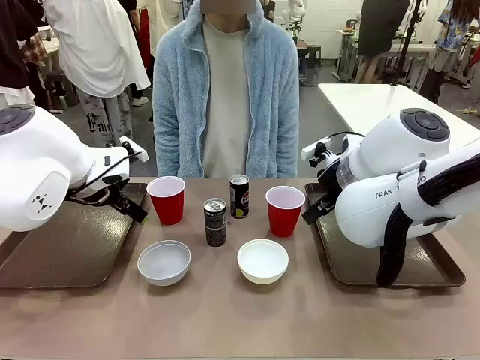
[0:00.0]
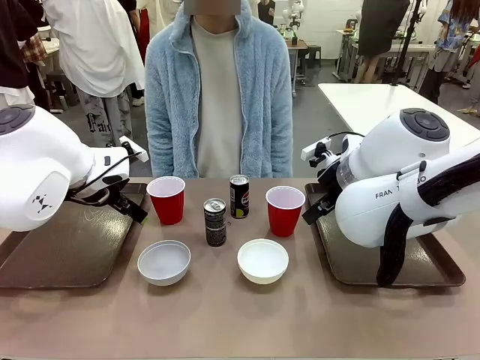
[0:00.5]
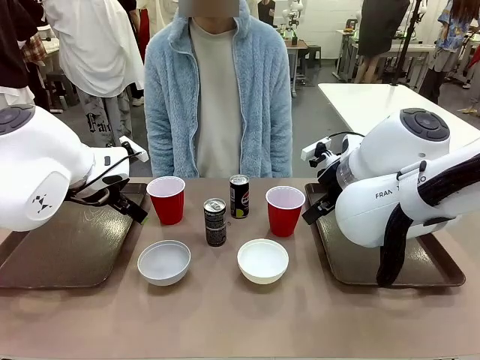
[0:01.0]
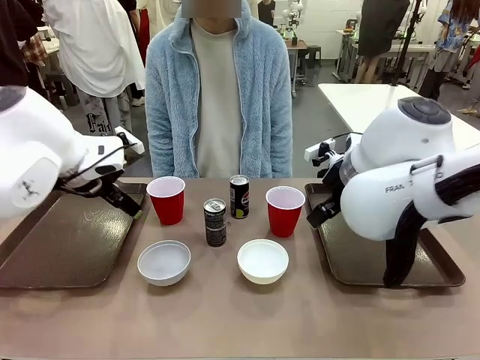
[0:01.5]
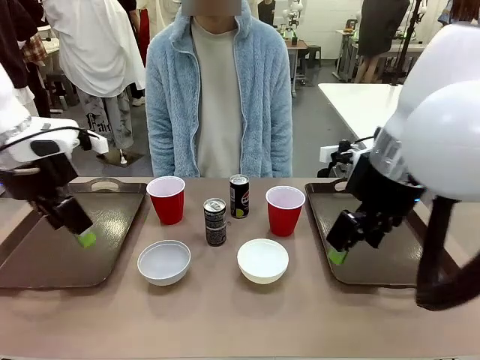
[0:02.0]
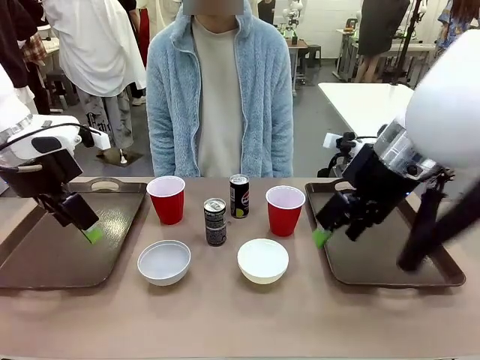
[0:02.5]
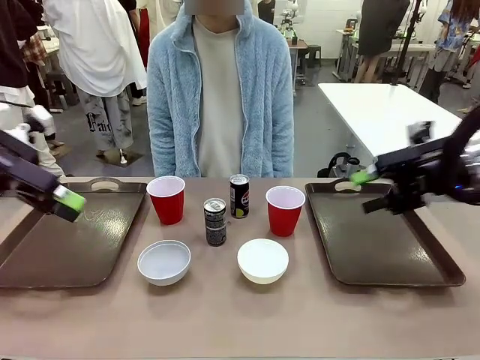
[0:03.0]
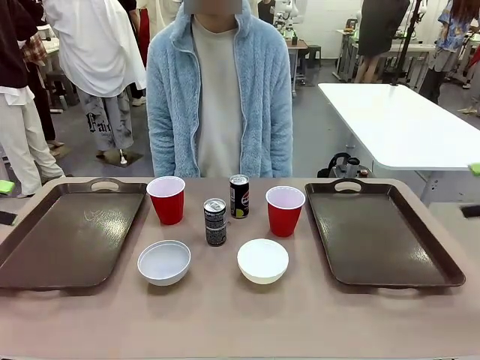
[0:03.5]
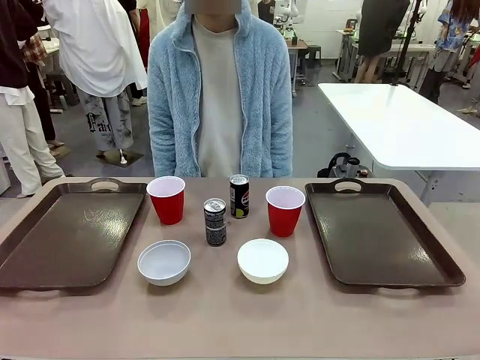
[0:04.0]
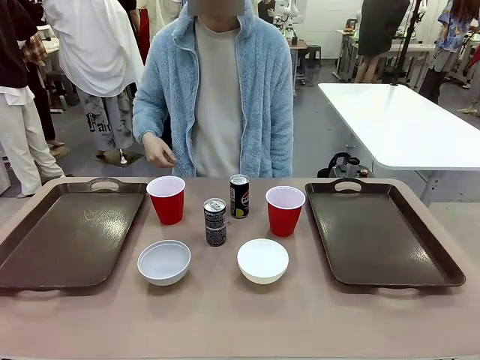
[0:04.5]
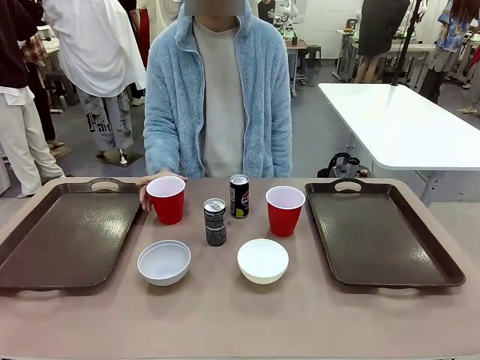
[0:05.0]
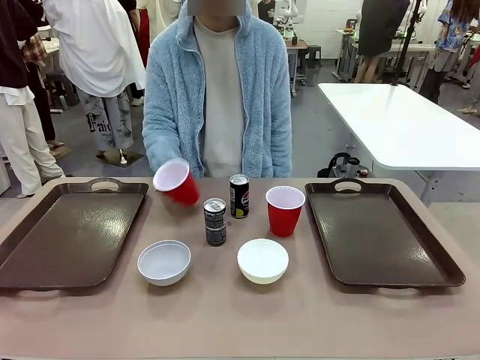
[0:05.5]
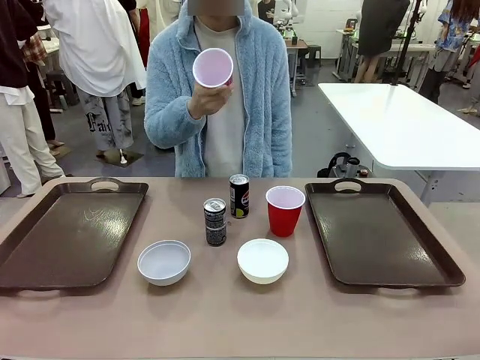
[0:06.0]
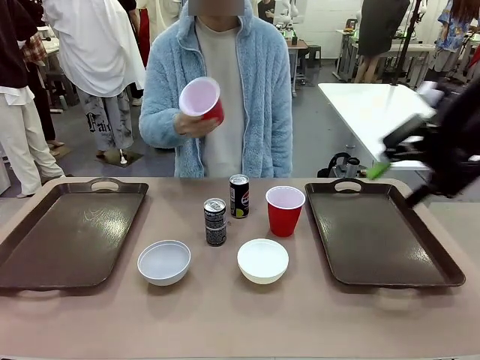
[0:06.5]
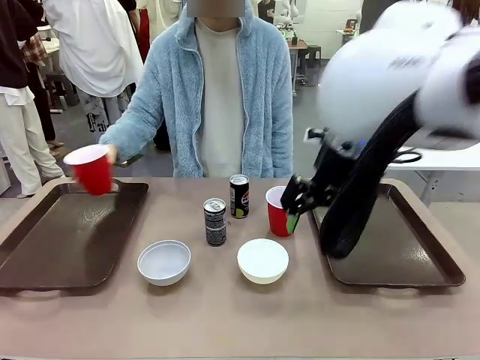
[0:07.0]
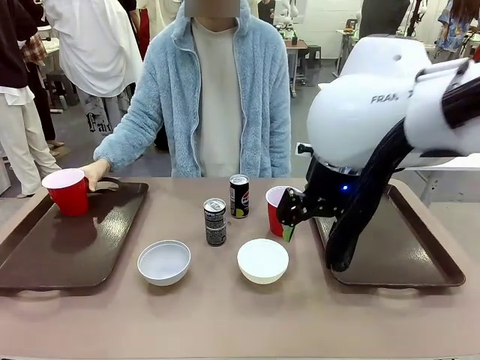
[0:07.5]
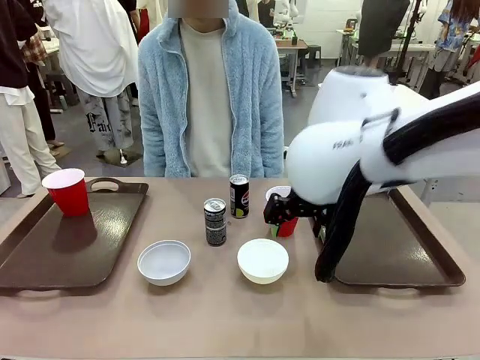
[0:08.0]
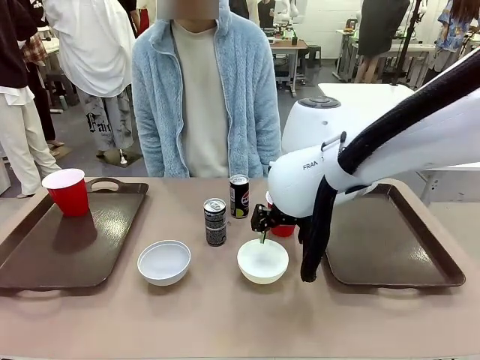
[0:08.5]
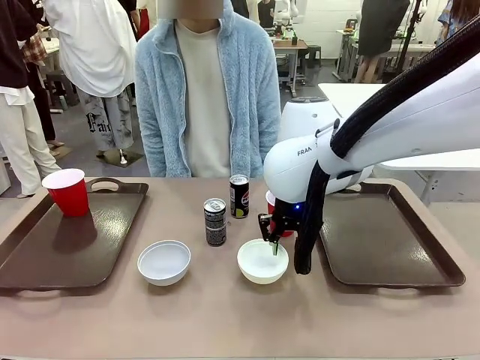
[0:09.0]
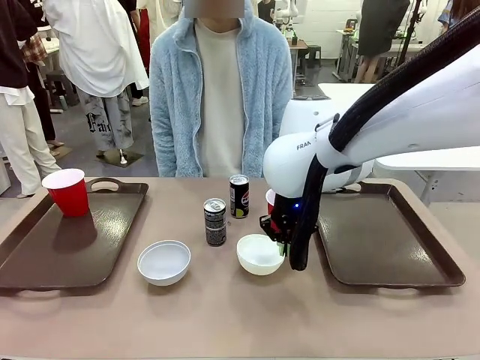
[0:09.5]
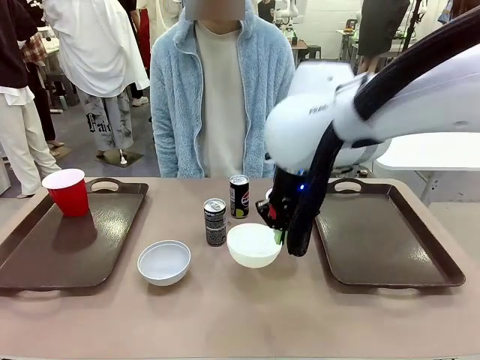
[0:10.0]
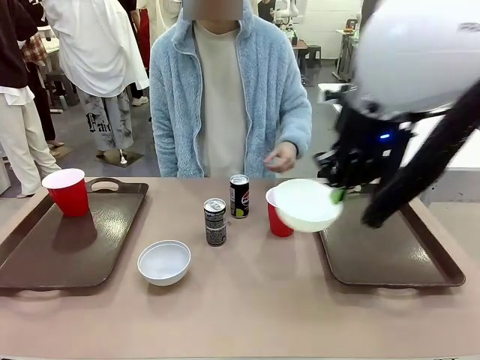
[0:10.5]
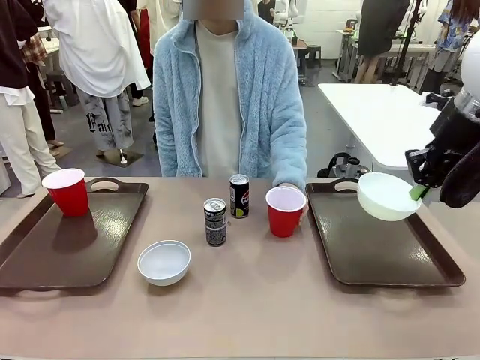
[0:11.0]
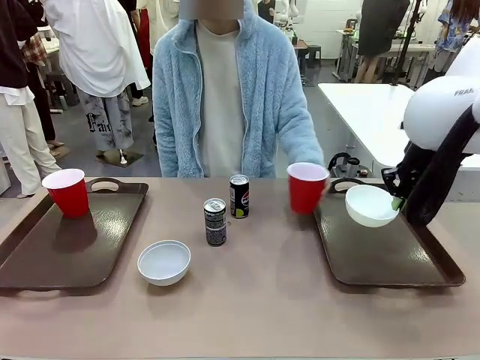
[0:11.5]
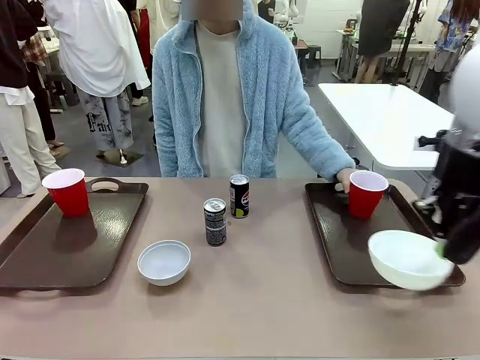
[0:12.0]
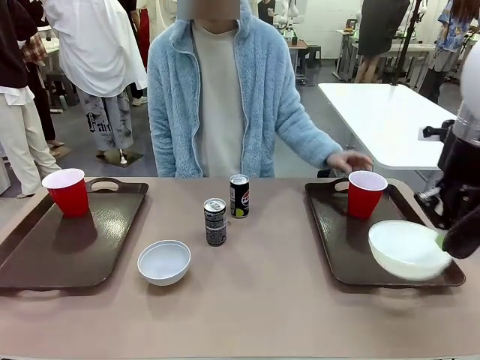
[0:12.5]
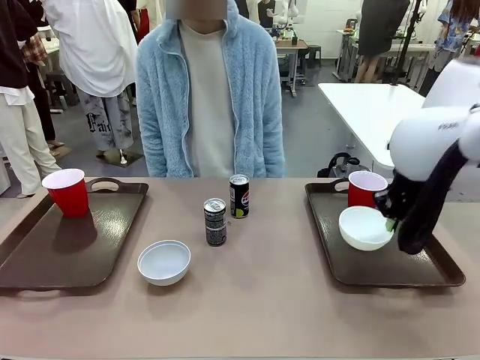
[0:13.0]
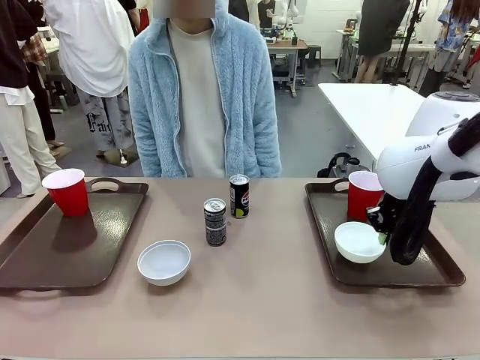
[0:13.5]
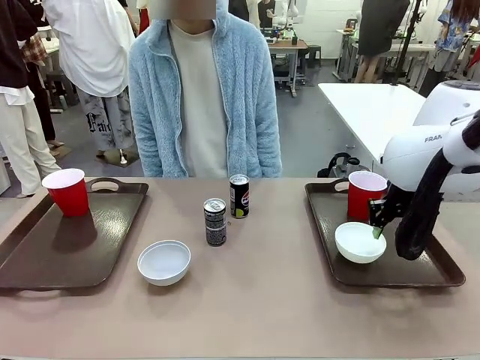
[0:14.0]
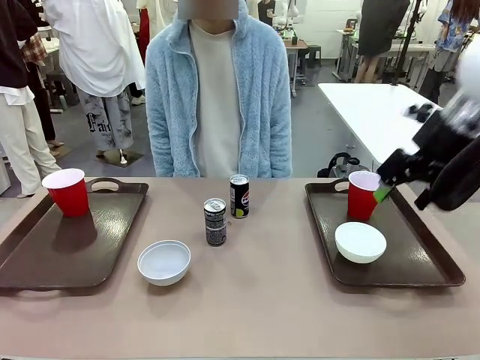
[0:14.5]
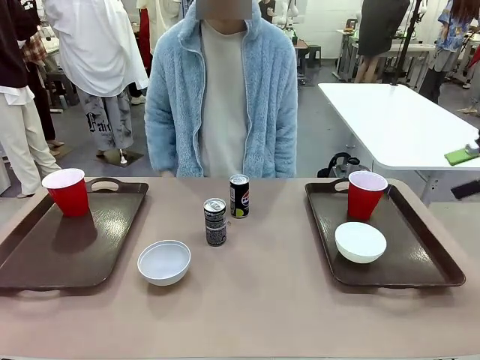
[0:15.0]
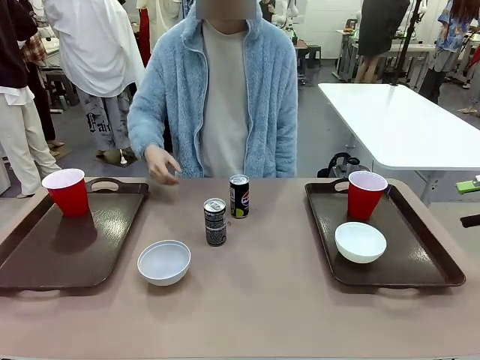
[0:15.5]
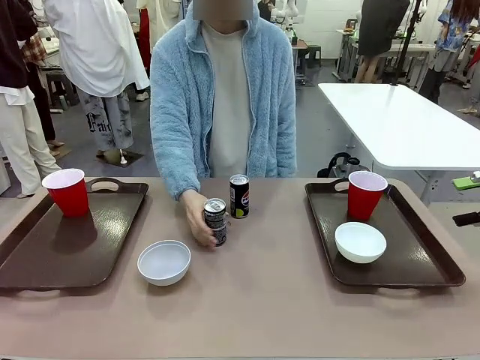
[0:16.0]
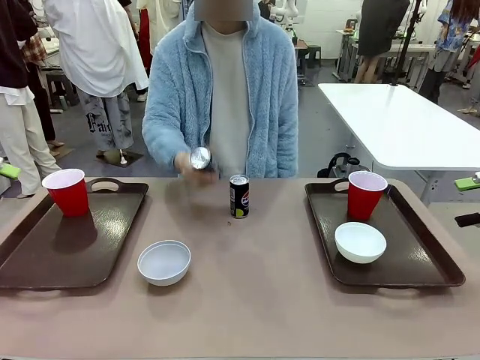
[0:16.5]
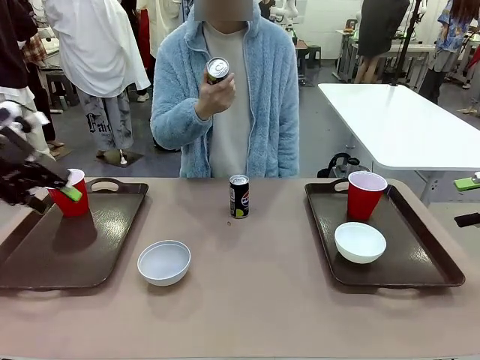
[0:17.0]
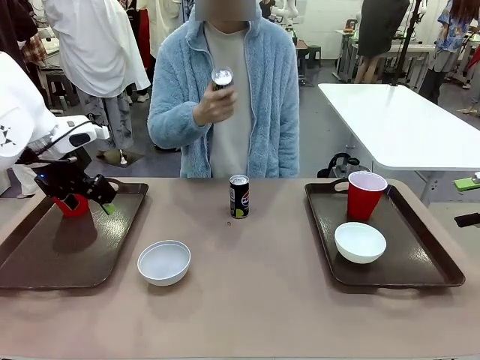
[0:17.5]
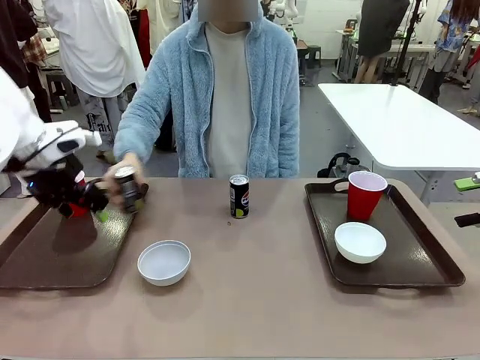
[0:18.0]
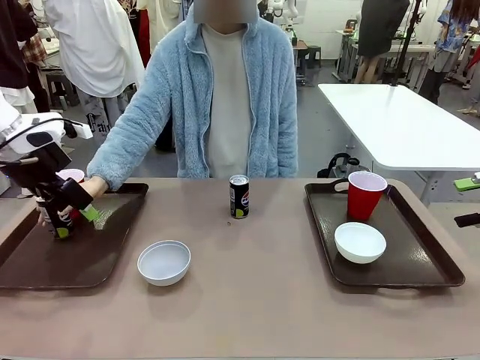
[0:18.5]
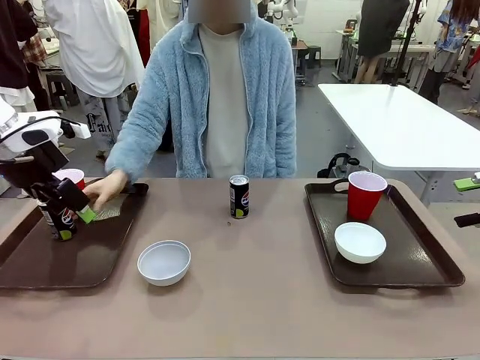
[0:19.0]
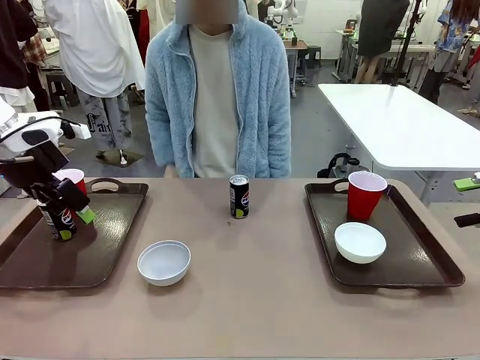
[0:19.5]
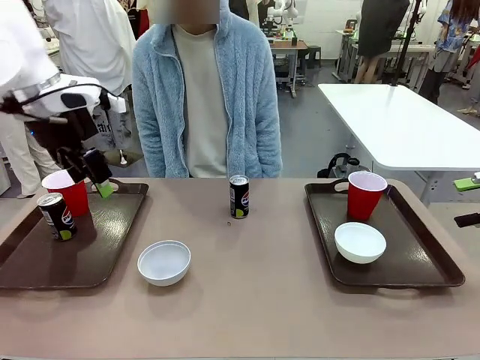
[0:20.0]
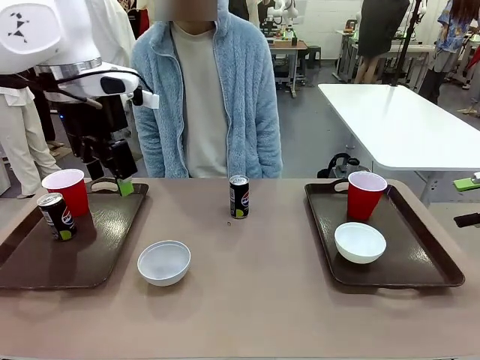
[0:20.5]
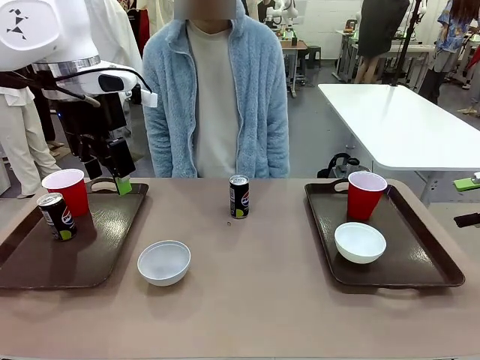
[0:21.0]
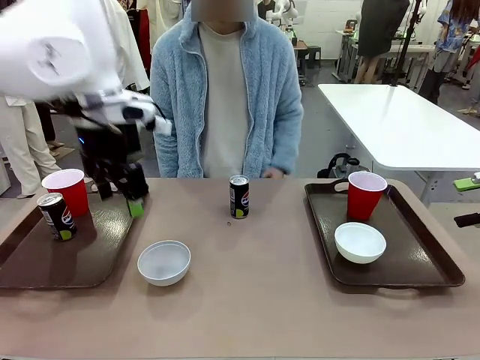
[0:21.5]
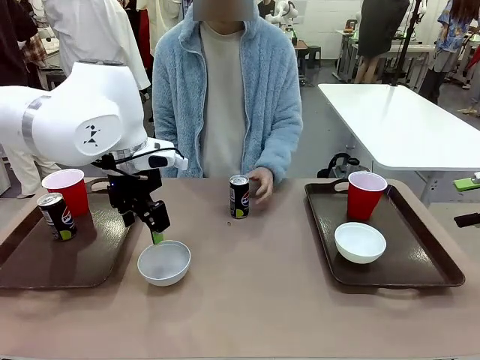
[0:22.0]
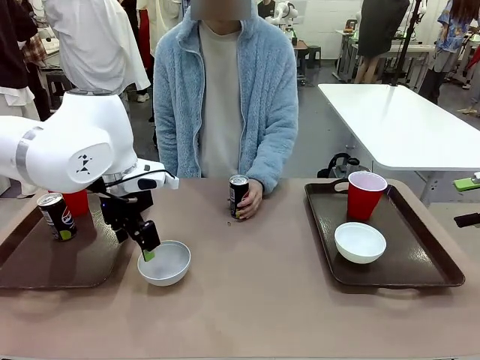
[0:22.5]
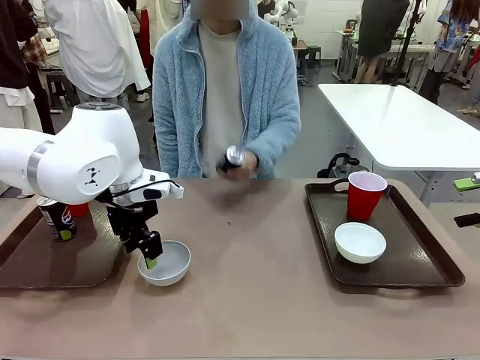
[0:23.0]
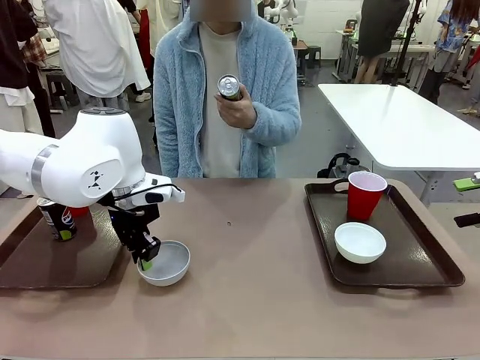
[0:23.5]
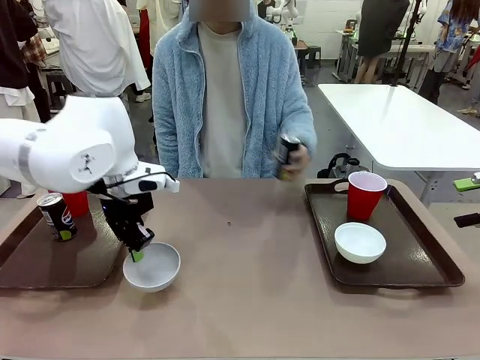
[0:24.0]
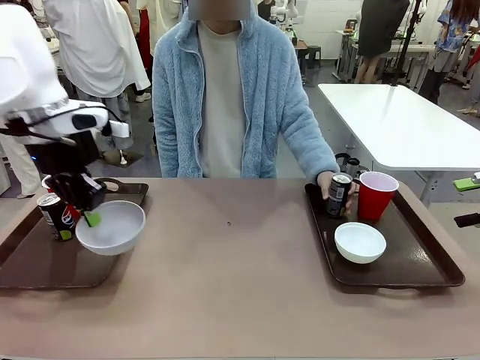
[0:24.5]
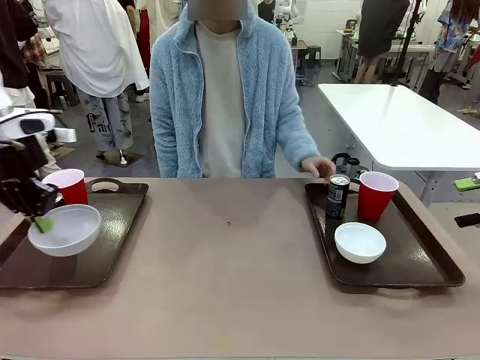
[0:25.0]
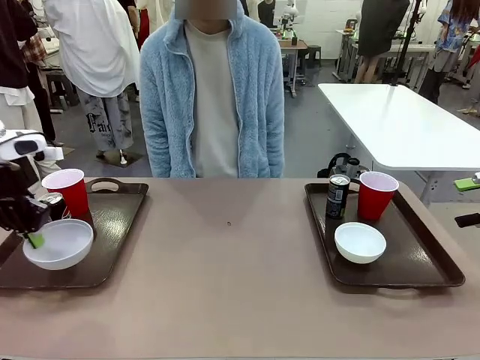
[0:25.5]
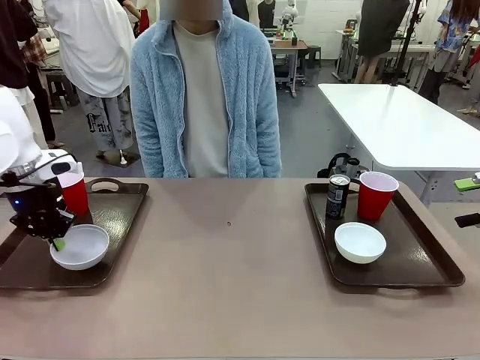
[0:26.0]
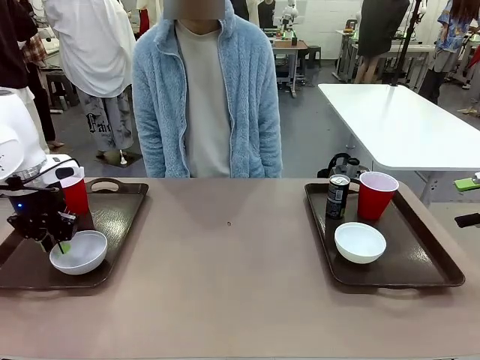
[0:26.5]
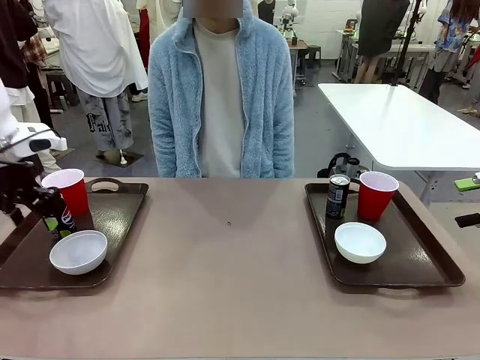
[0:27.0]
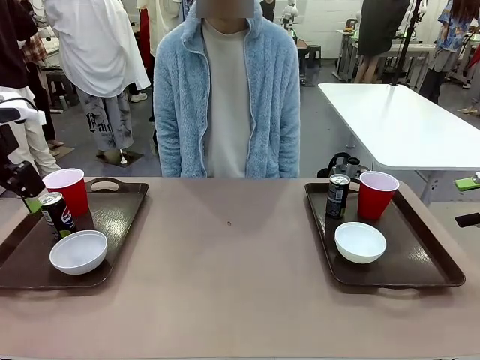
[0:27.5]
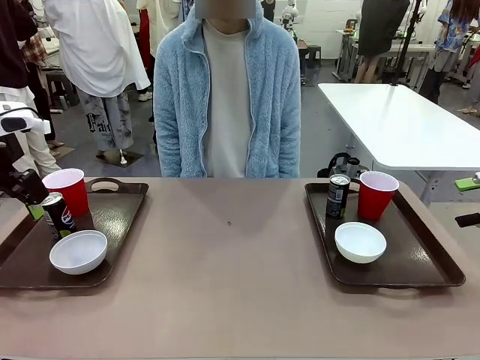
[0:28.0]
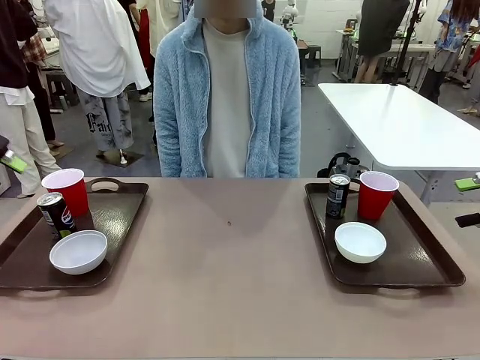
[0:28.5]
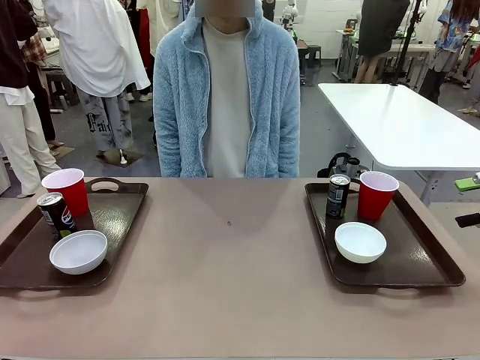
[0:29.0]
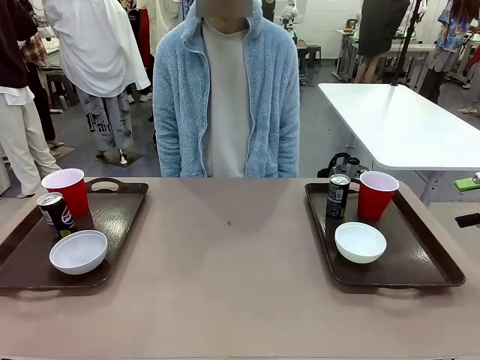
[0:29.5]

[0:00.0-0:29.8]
Task: Prepare tableware on both trays.
Robot: Pick up a Picnic Bowl from the table and place it on a Handle tray.
Person: Pick up a can or cup and place it on the tray. Pick up a can or cup and place it on the tray without a can or cup.
